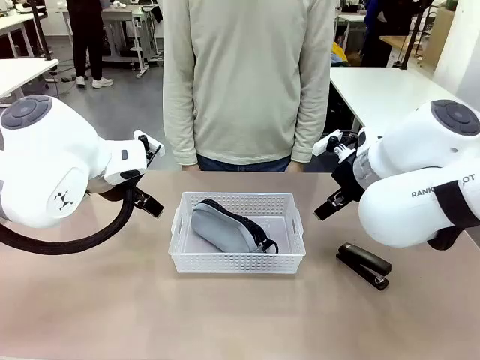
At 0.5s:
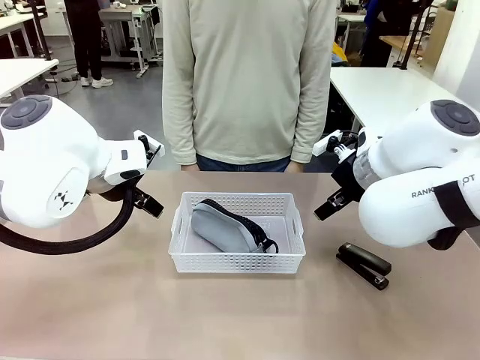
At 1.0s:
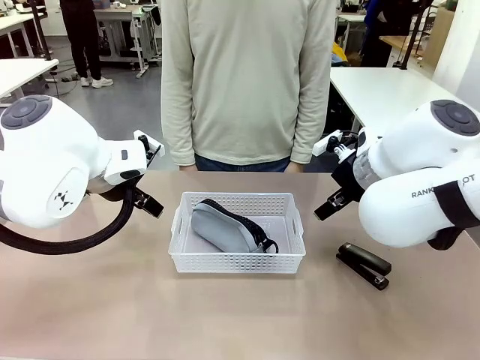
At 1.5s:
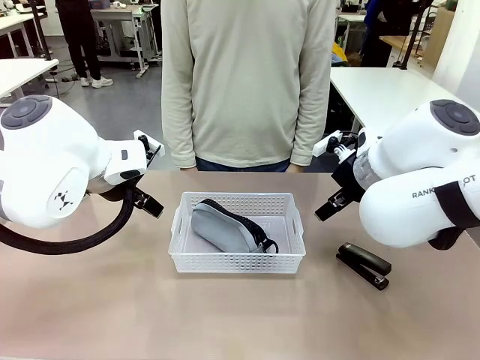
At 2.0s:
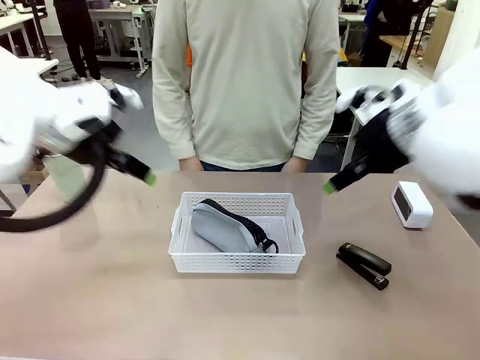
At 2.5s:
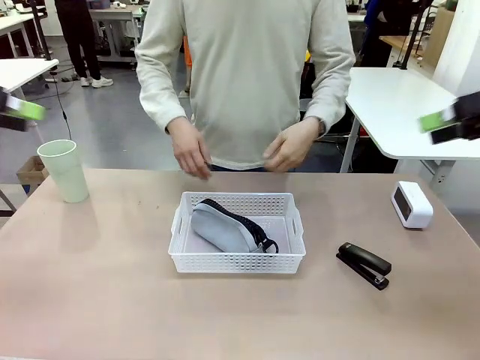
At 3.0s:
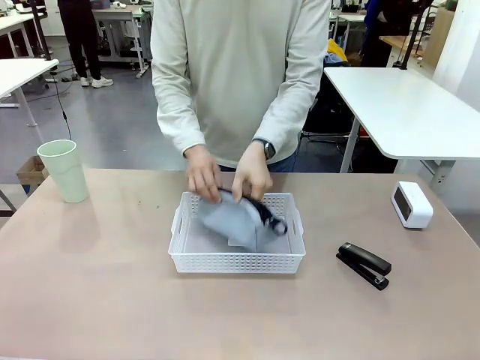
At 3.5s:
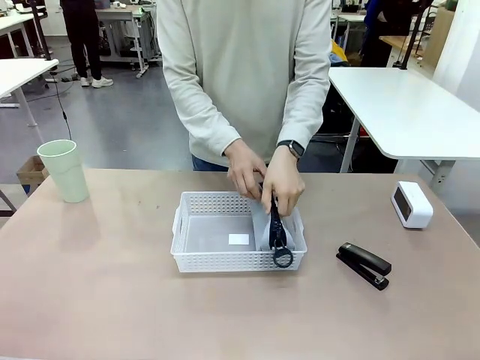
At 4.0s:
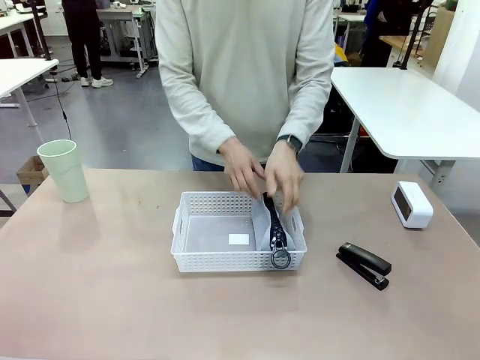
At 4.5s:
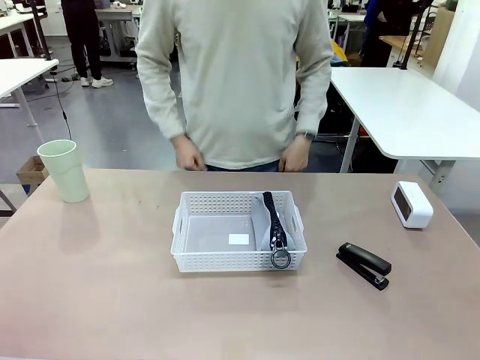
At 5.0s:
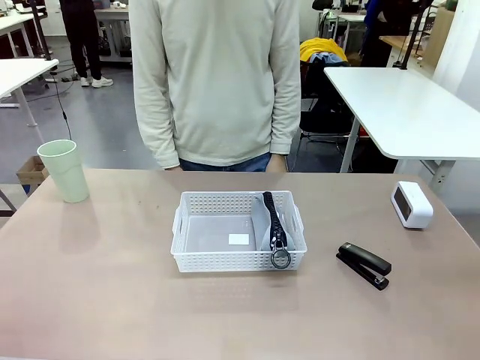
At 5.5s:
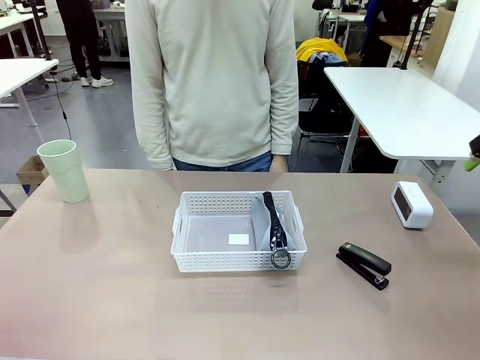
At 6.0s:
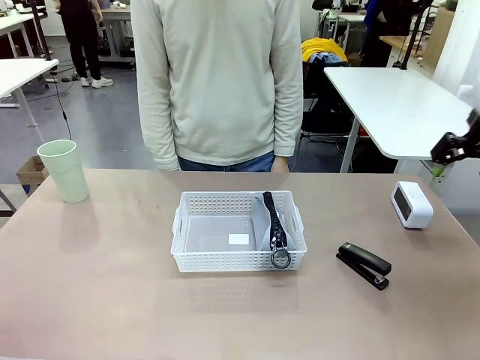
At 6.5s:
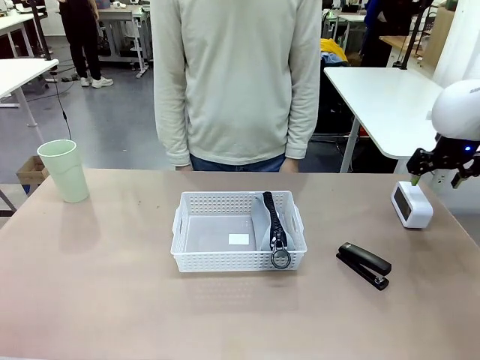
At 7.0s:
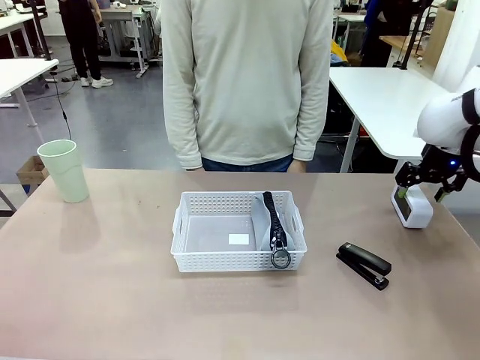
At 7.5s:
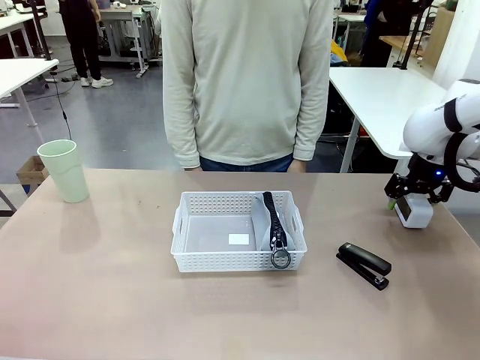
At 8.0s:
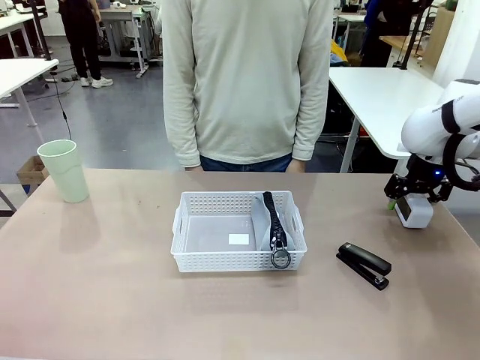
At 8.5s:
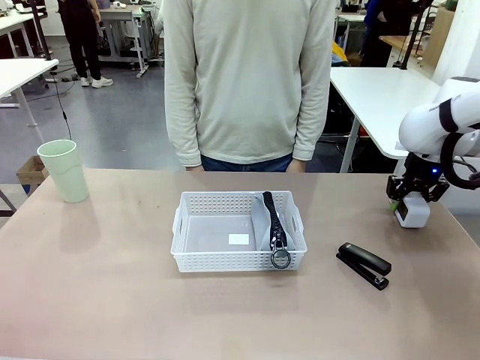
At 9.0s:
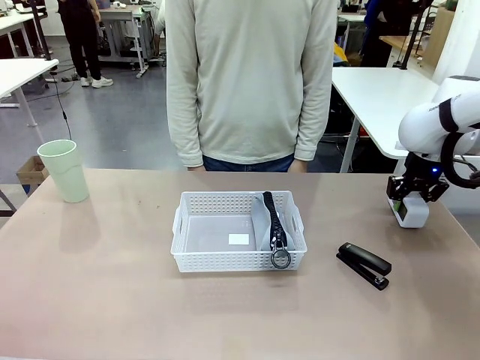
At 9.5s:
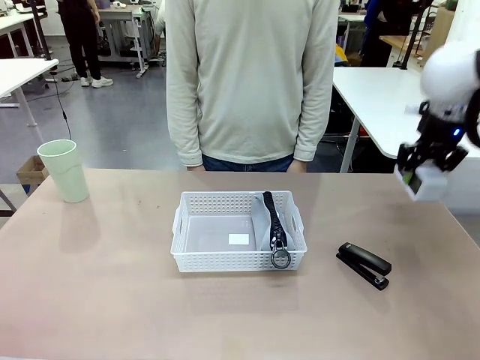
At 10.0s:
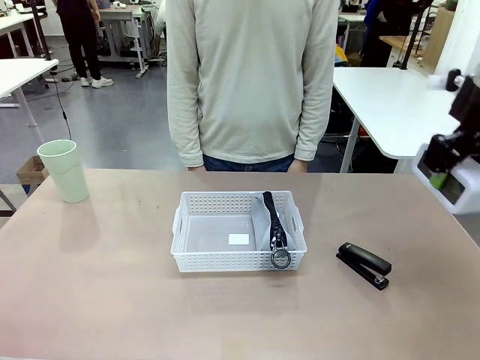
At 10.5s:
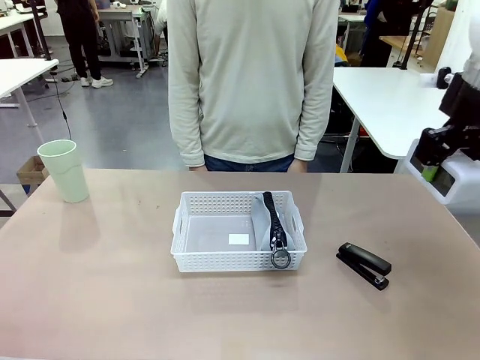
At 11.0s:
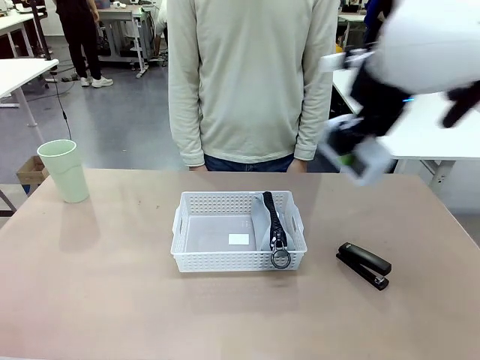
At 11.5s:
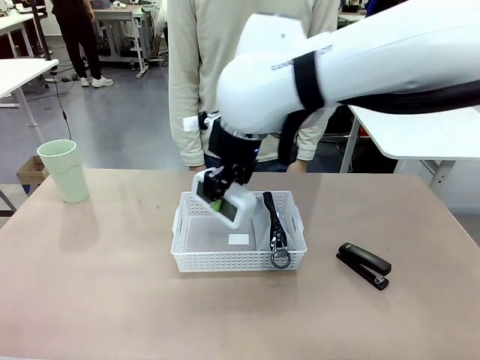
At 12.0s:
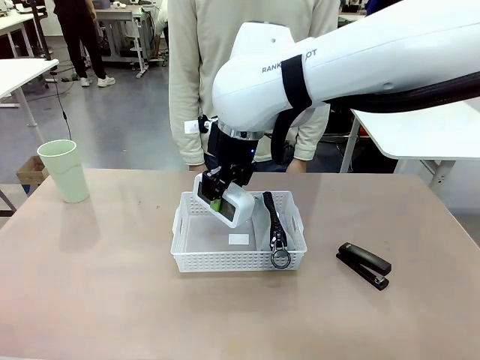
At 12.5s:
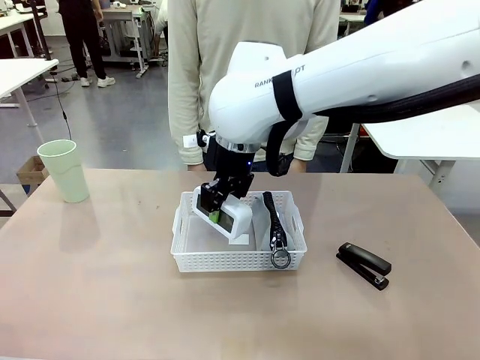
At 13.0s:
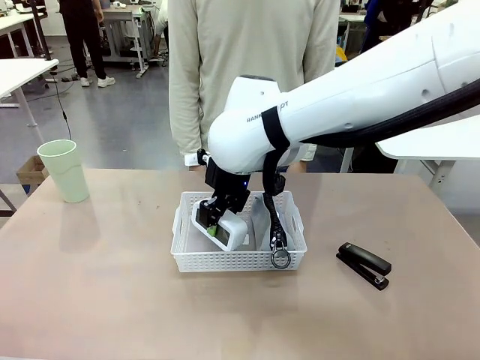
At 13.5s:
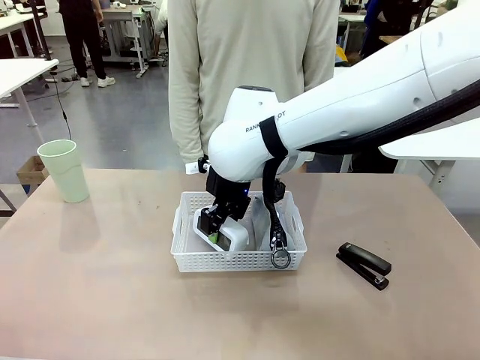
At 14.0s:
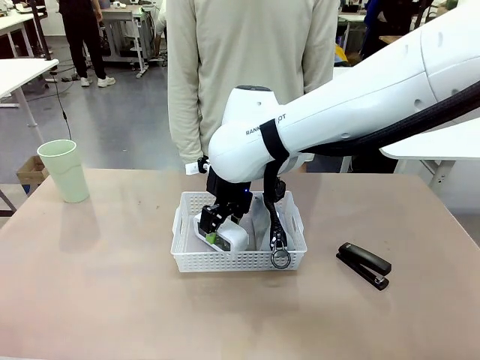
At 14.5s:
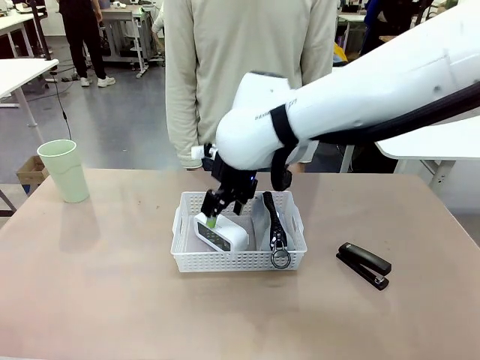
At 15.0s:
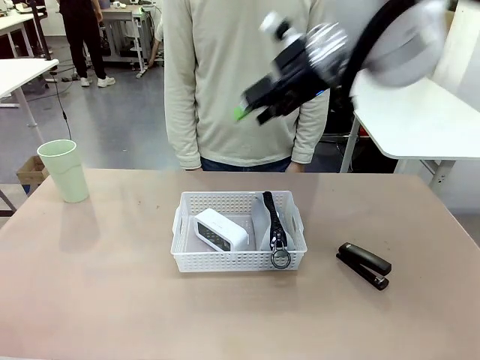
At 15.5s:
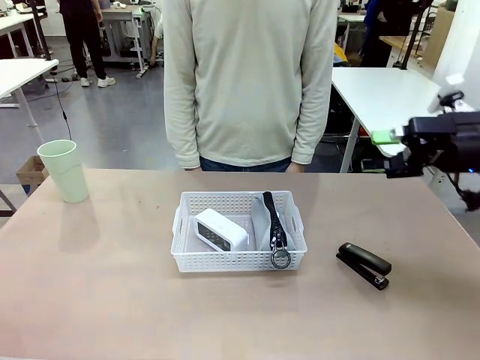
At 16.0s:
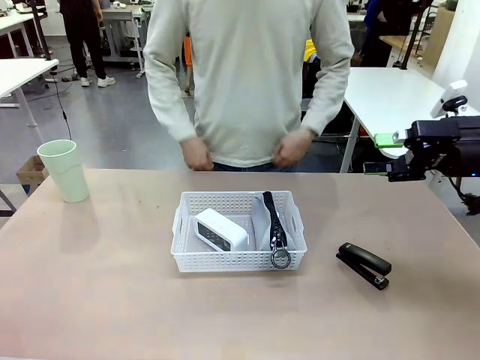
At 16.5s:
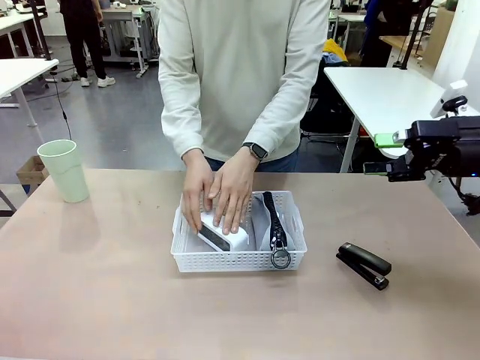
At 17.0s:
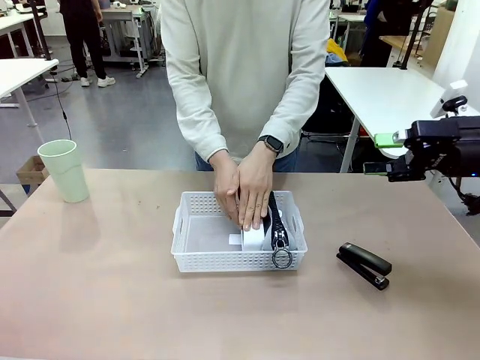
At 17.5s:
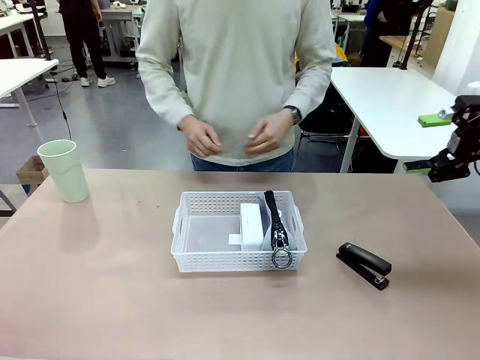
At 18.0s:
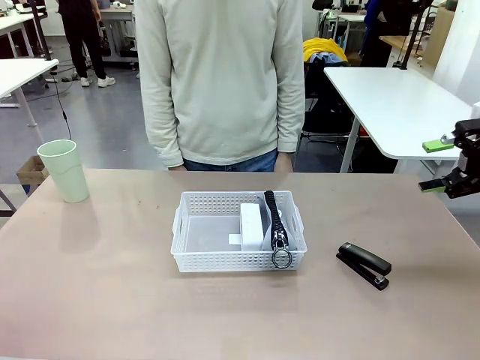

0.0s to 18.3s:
Task: Efficiently arrange items inside the basket to fit them all.
Robot: Pick up the Digital clock and place it inside the Organizing basket.
Person: Repositions the pencil case. Repositions the digital clock.
